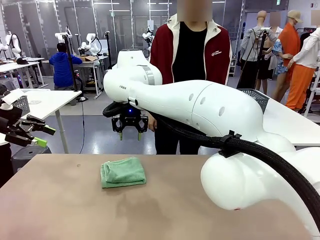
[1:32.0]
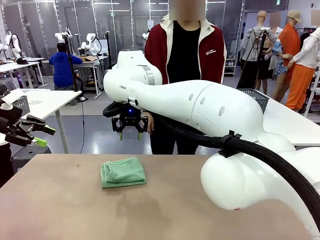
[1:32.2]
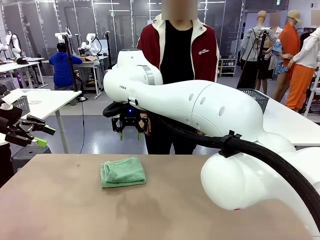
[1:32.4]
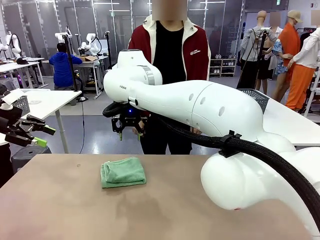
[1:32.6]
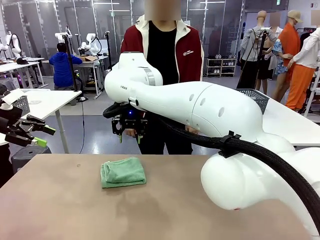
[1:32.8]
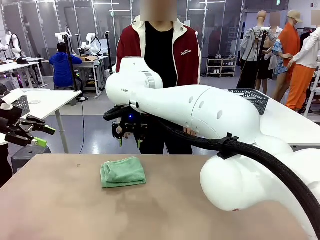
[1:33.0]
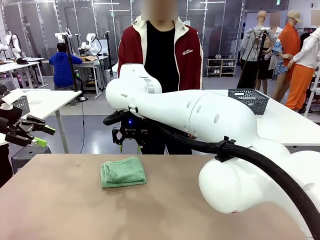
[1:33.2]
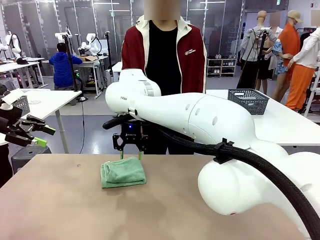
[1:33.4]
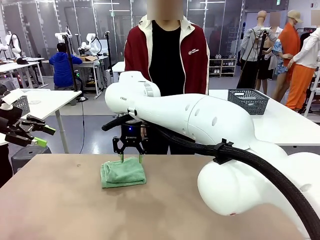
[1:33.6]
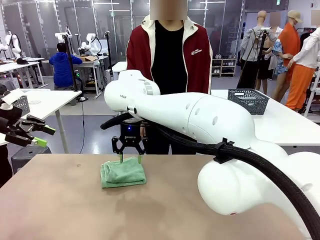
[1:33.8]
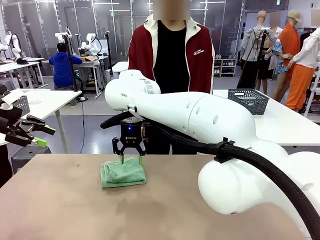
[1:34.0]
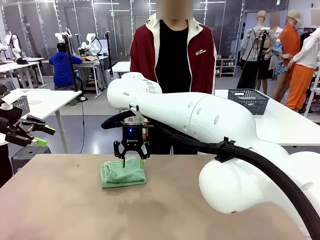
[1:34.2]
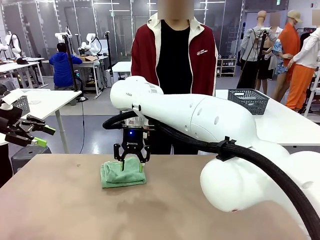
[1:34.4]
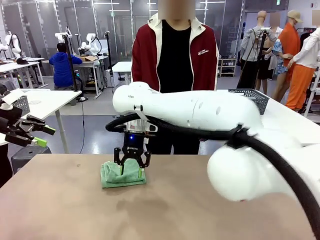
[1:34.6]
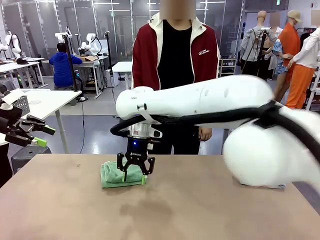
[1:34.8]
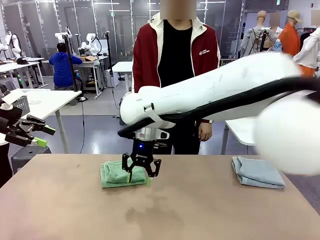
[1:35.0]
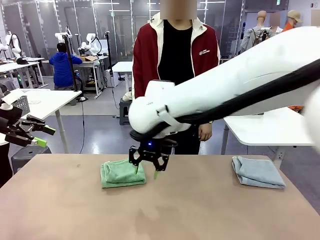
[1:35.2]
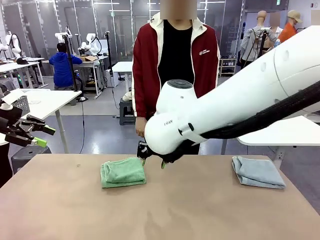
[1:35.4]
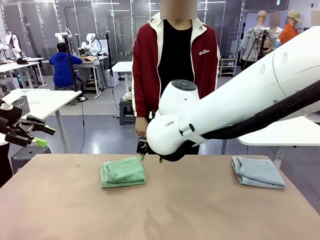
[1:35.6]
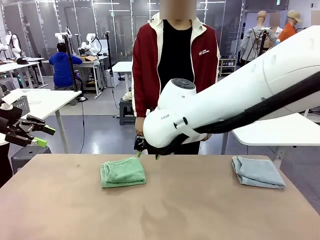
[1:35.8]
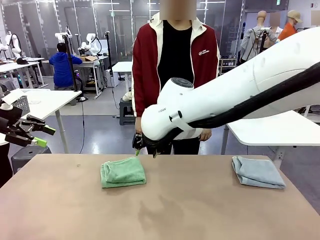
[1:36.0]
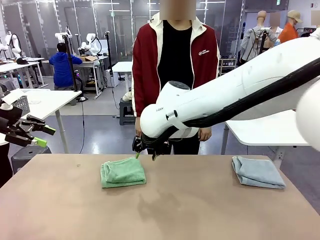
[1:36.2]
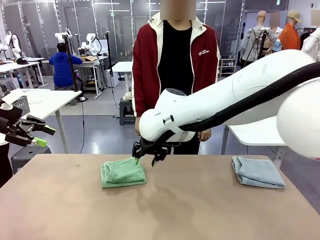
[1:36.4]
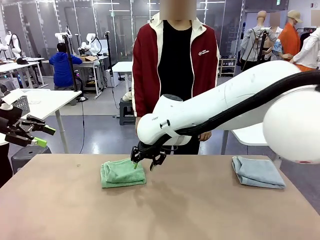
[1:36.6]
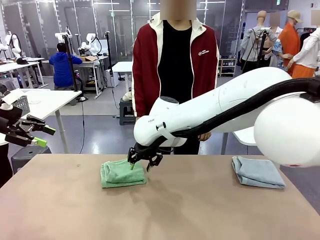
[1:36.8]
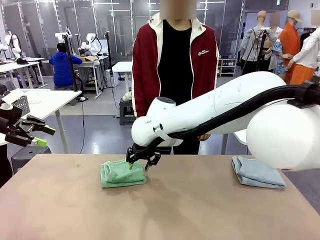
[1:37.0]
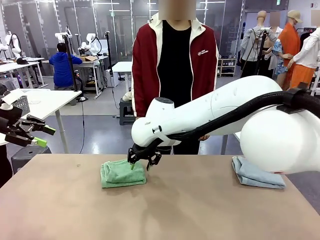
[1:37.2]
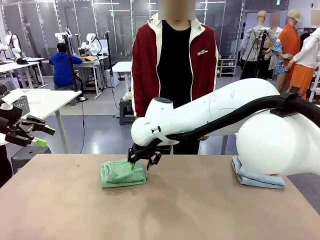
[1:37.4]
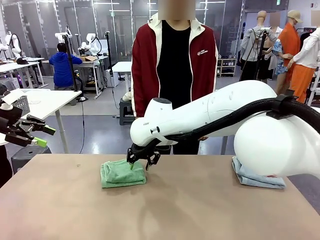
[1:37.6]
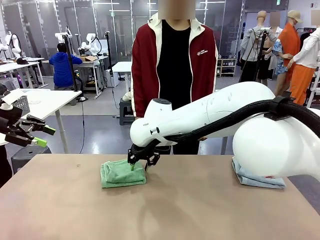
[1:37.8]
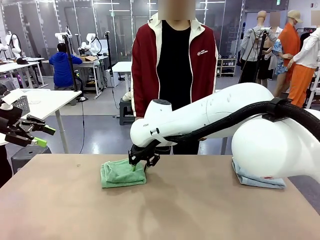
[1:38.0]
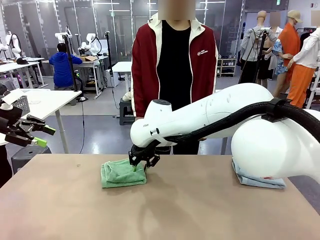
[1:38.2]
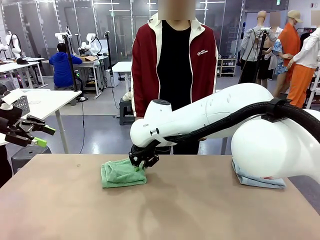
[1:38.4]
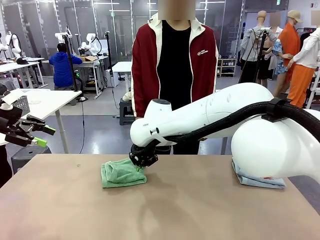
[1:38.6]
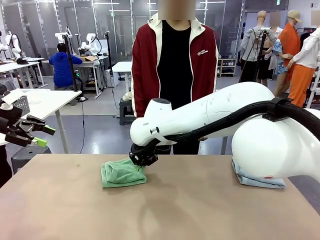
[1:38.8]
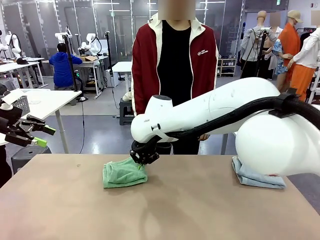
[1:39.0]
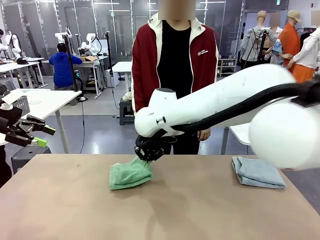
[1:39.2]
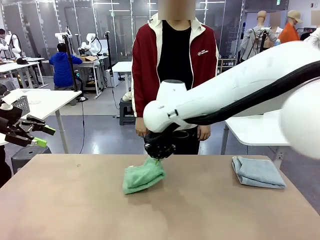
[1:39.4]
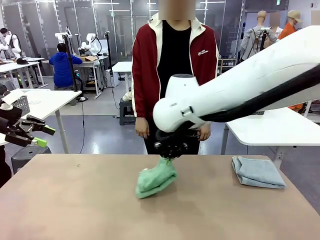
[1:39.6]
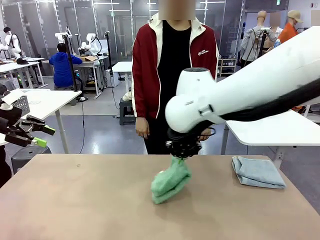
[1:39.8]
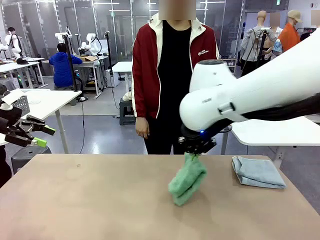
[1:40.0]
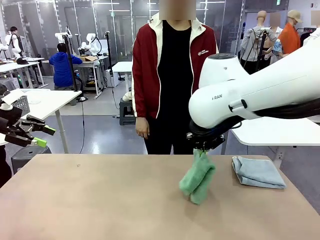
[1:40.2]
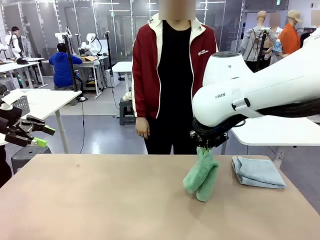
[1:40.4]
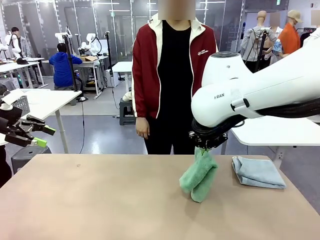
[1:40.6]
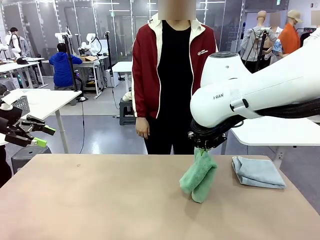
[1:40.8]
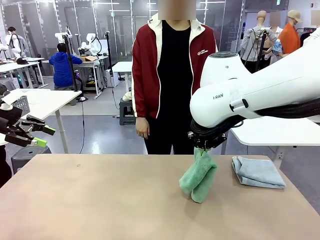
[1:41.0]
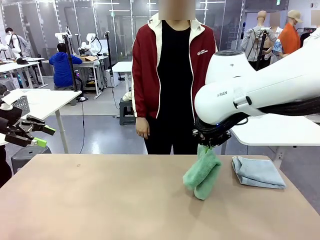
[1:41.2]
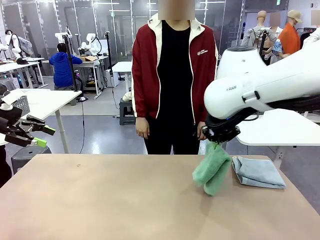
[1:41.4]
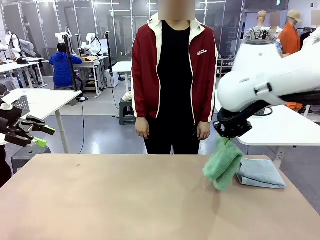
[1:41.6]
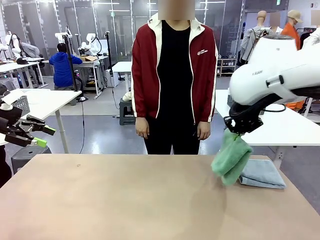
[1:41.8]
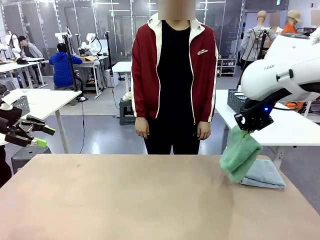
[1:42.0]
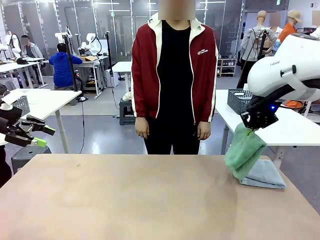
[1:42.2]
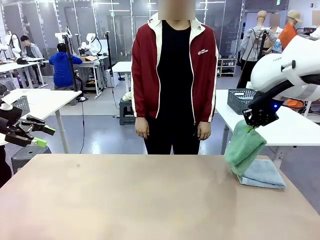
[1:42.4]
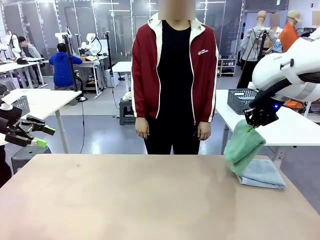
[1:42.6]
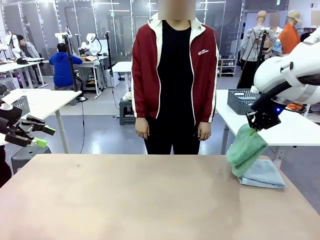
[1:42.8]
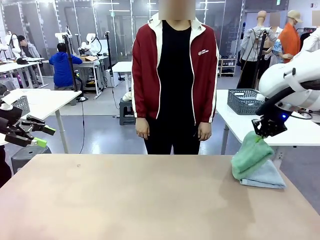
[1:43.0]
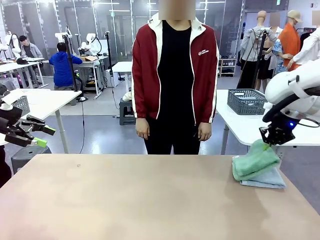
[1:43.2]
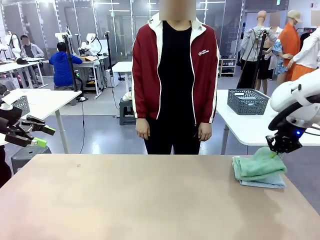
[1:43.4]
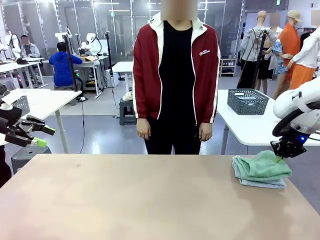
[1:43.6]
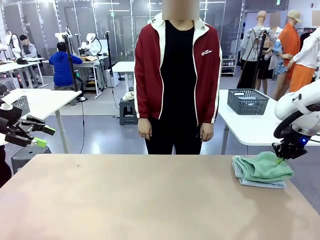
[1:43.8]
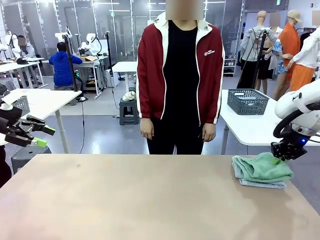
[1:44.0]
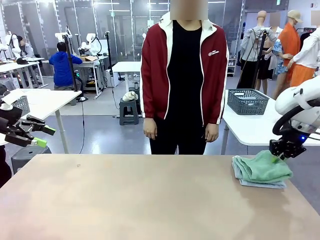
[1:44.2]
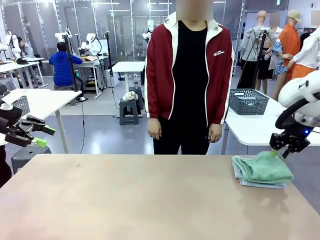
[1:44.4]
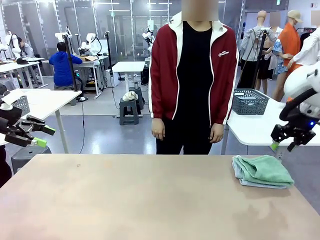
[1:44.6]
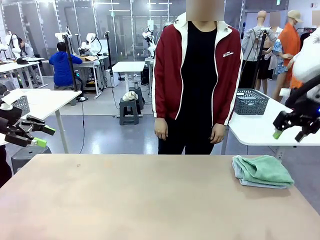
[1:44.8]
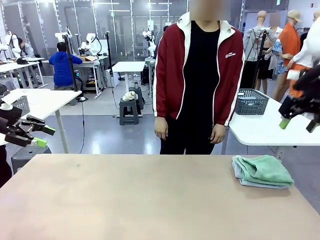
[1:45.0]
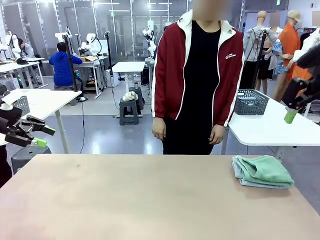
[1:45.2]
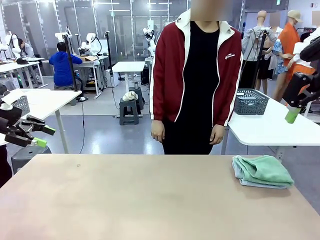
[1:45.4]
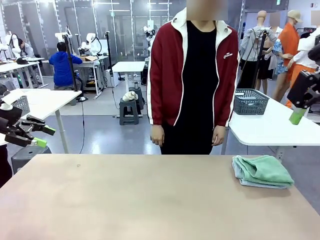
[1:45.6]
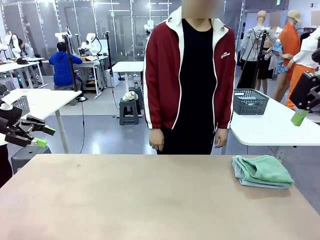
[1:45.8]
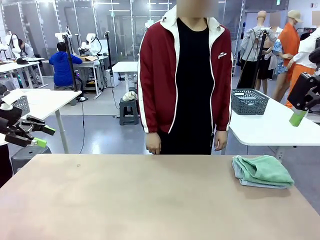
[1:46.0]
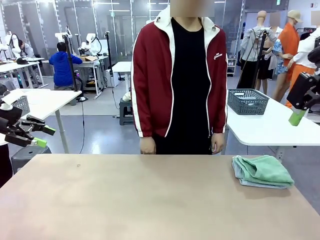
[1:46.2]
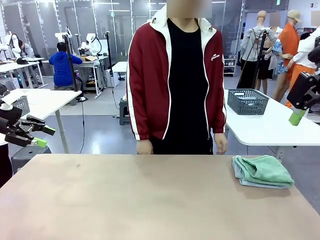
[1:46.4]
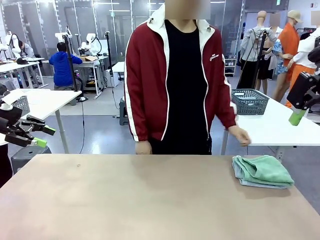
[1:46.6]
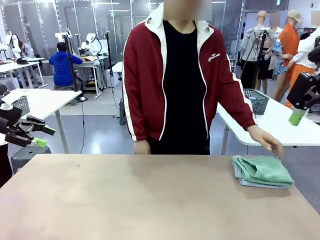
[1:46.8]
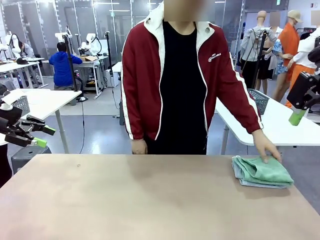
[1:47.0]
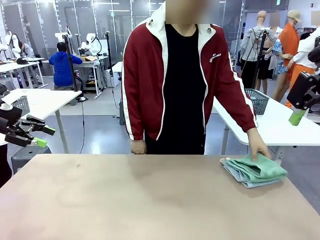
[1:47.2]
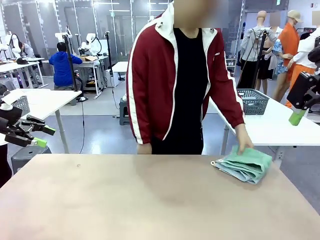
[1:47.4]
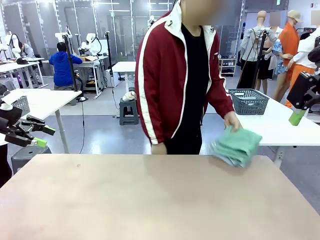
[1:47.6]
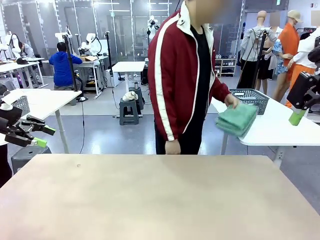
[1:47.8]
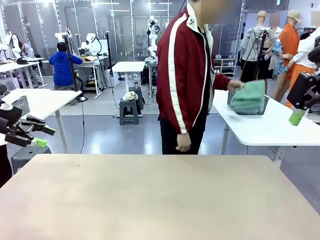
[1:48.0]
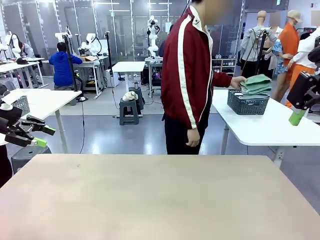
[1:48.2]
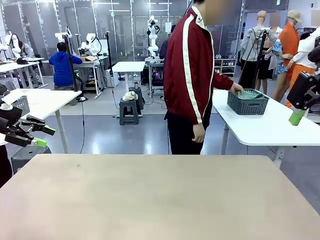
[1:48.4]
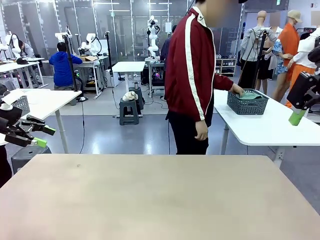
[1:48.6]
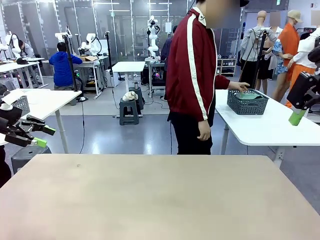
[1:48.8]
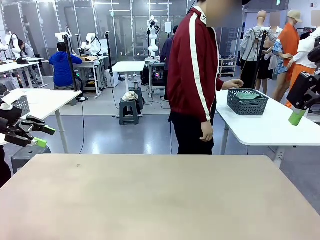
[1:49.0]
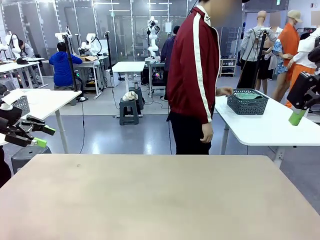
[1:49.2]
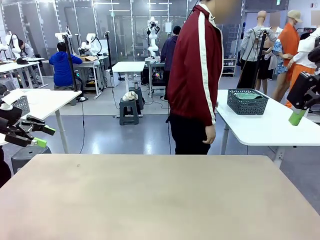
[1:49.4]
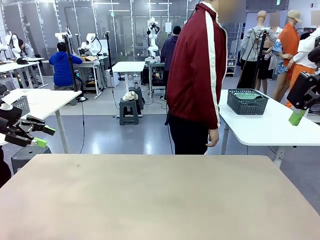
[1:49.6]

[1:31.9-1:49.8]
Task: Fold the towels and place them in the basket.
Robot: Stack the folded Towel with hook on the right side of the table.
Person: Pick up the stack of towels from the robot table and place it into the basket.
